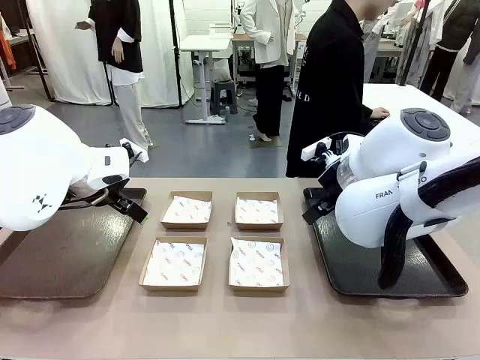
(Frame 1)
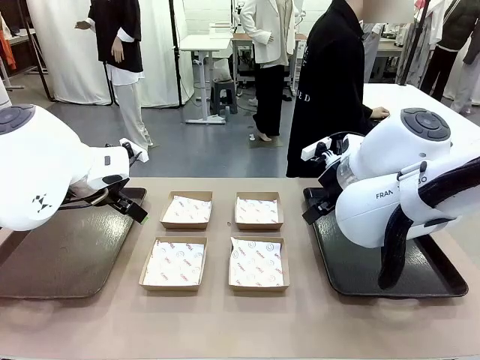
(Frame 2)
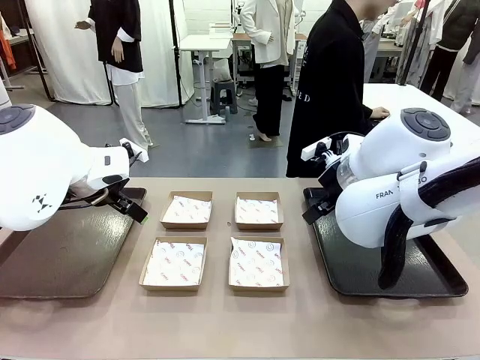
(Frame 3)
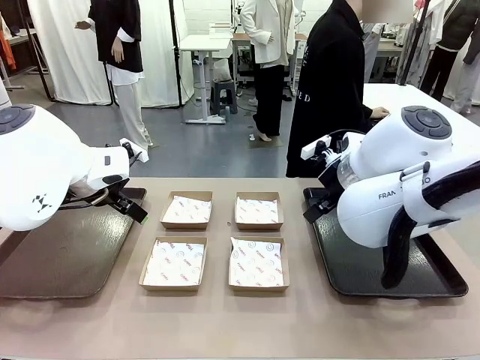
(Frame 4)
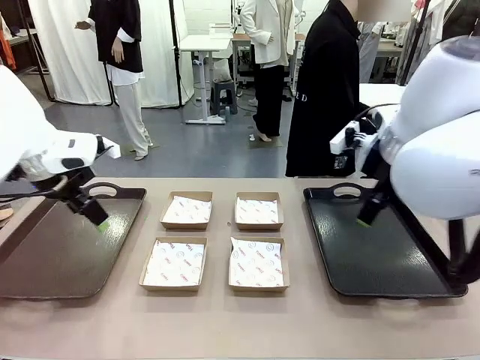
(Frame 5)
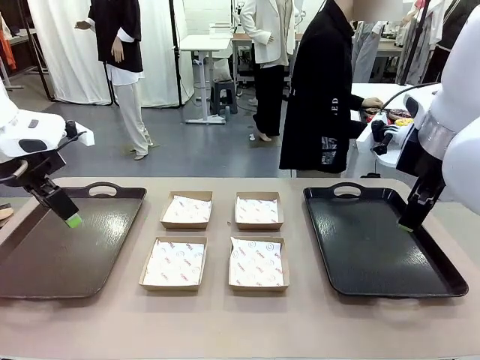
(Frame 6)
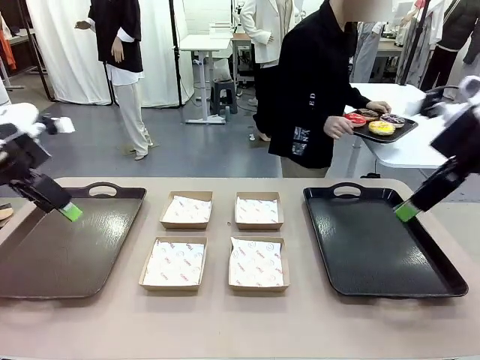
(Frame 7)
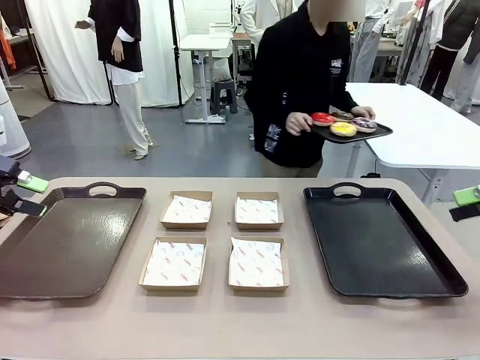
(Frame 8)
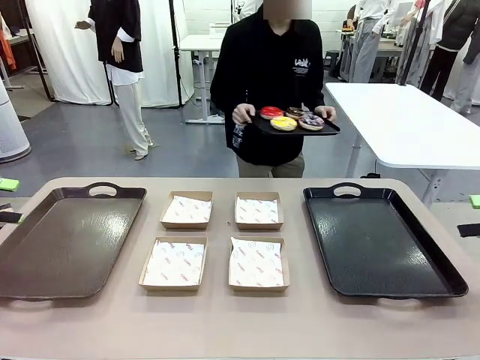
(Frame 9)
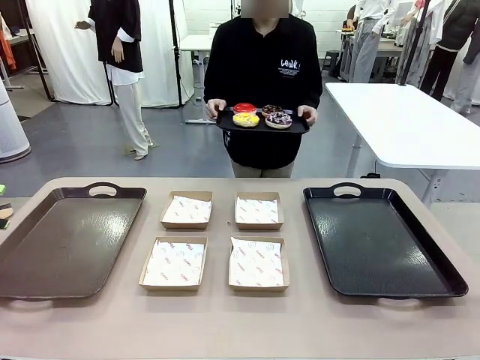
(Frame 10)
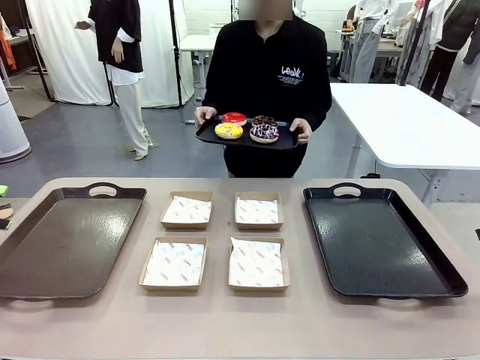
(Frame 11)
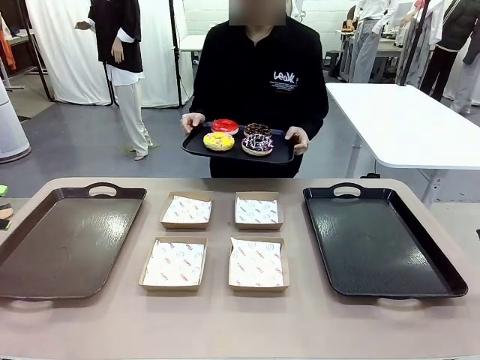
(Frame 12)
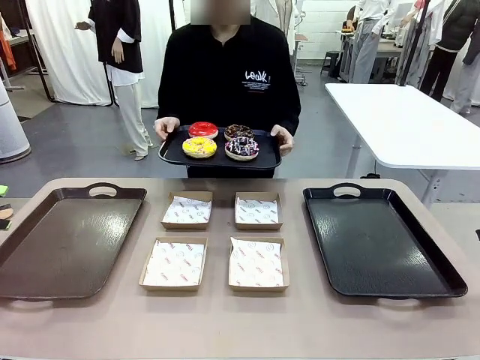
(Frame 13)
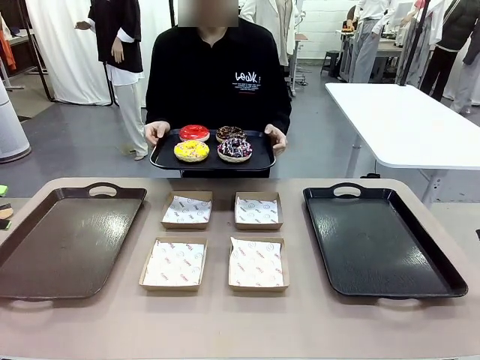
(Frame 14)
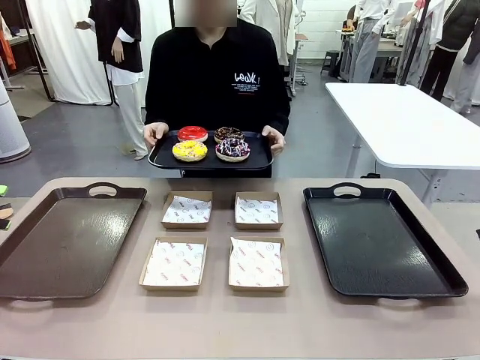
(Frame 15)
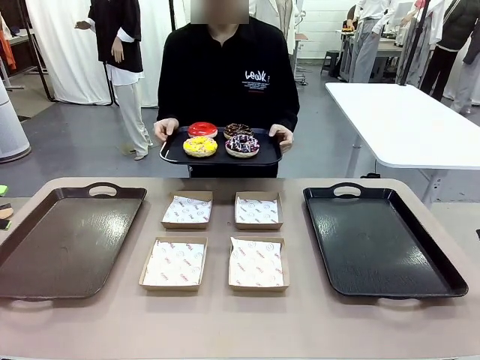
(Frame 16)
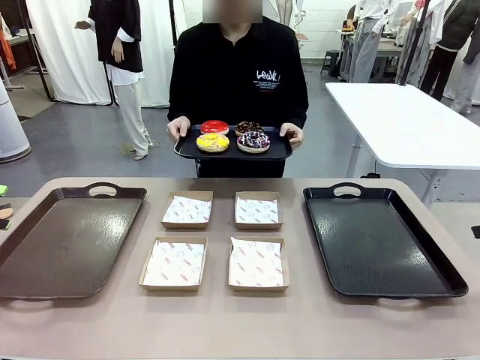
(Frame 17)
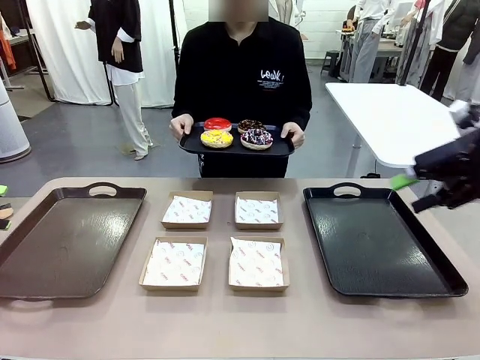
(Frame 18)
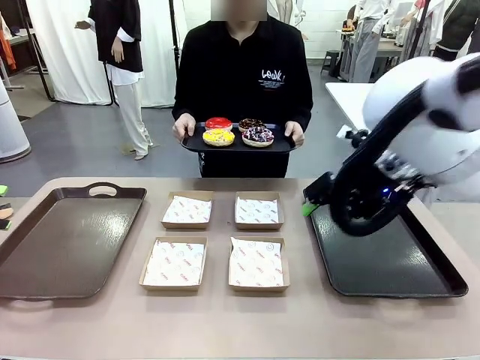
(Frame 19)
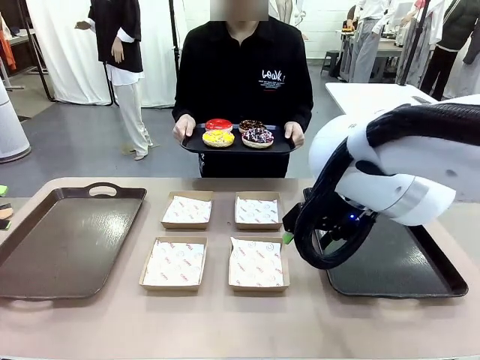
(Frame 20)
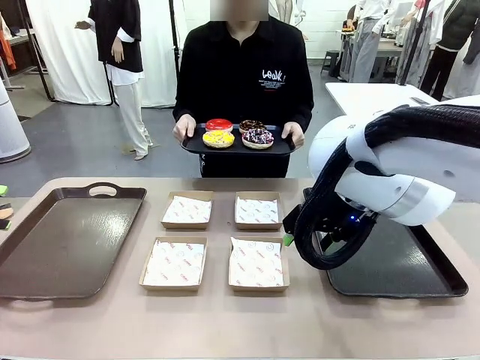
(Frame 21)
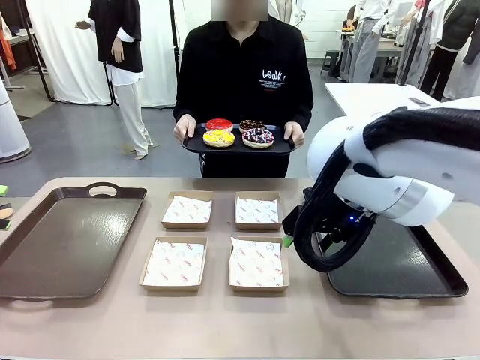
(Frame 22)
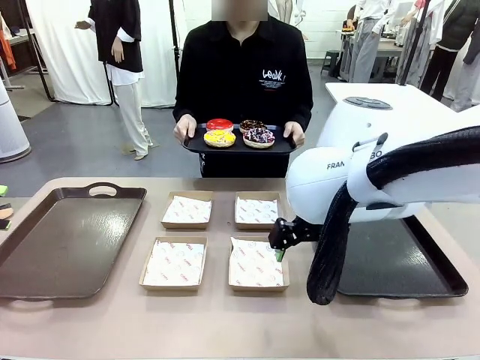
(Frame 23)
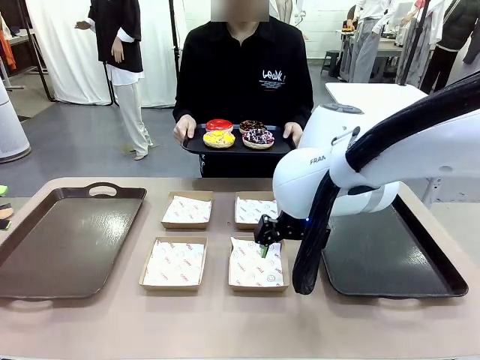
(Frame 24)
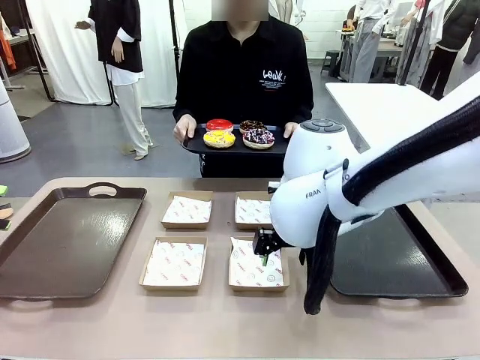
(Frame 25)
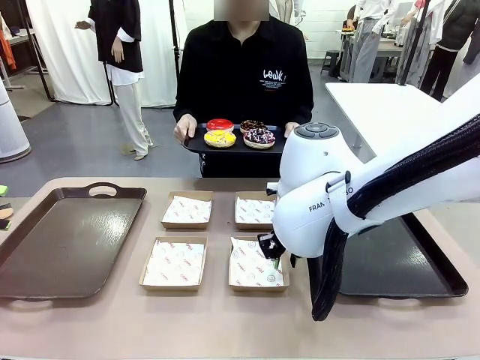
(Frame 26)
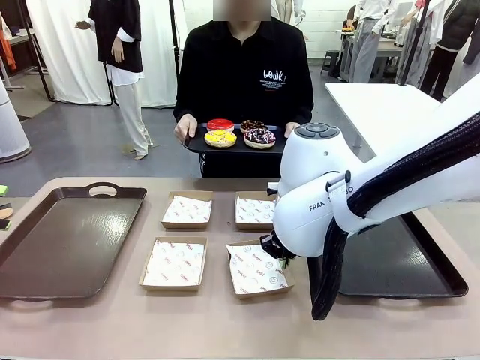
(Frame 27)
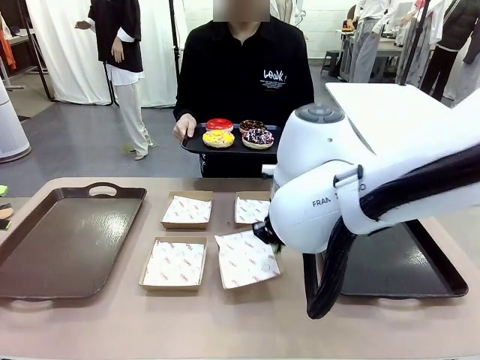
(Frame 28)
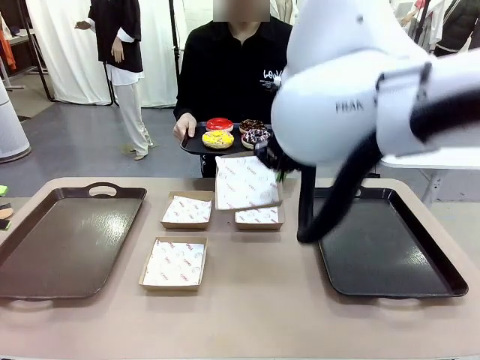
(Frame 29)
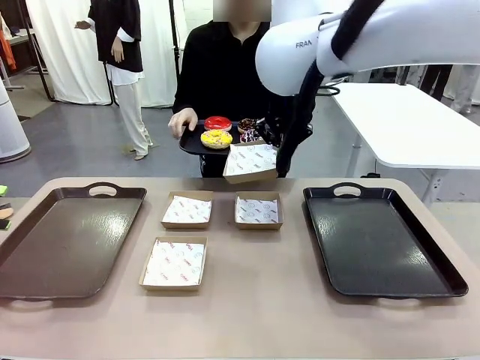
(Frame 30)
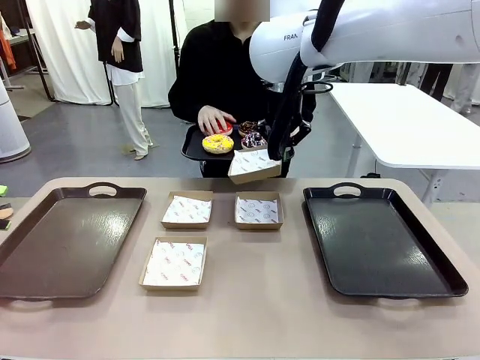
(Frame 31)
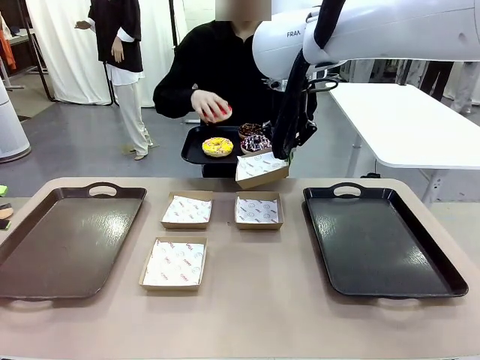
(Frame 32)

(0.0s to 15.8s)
Task: Individually package the donuts and arrange them on the tray.
Robot: Pick up one Paper togo box.
Person: Stand in front of the robot table holding the tray containing the donuts.

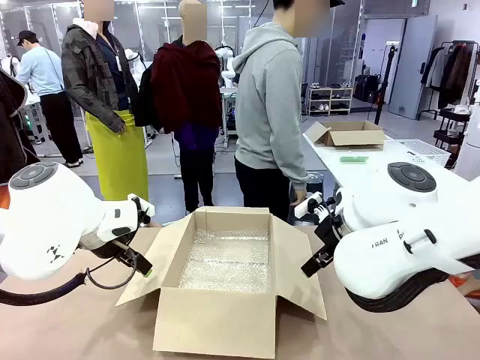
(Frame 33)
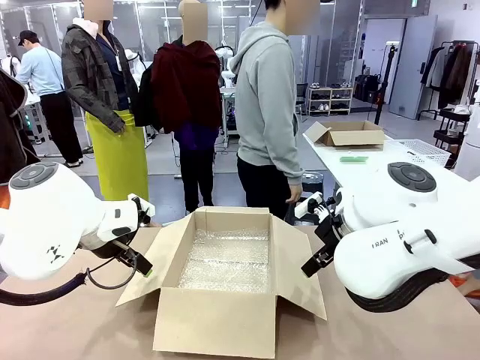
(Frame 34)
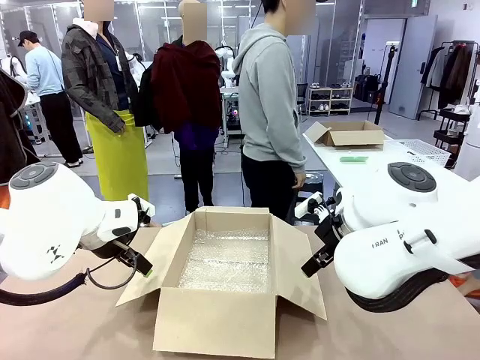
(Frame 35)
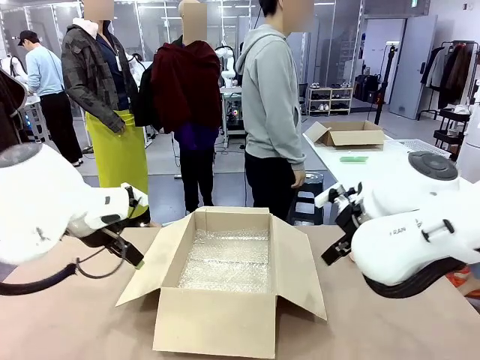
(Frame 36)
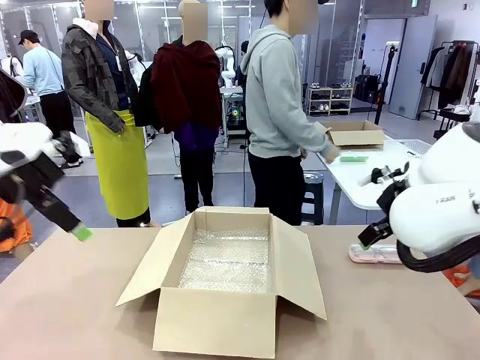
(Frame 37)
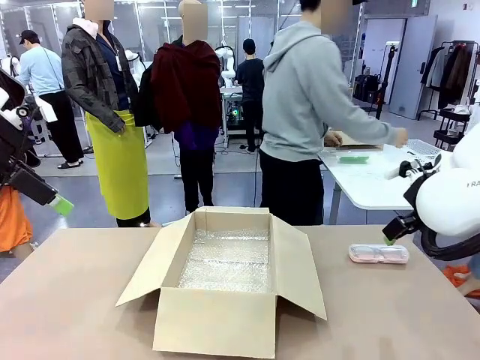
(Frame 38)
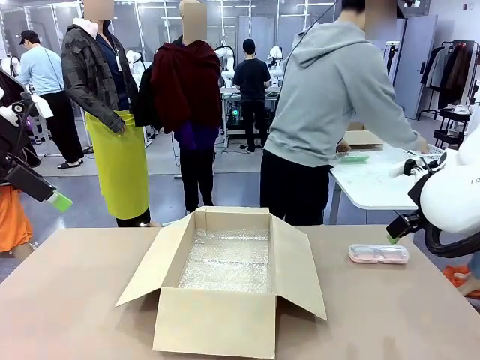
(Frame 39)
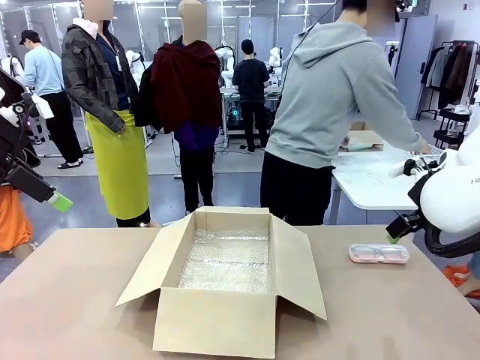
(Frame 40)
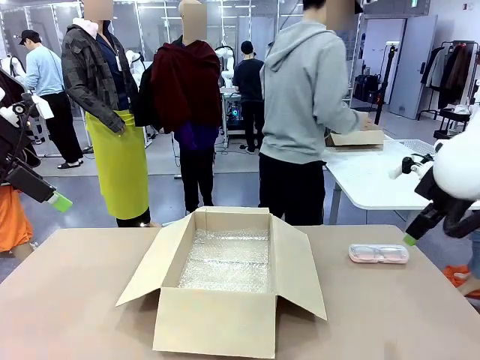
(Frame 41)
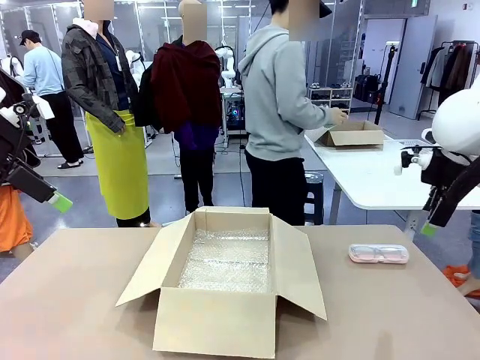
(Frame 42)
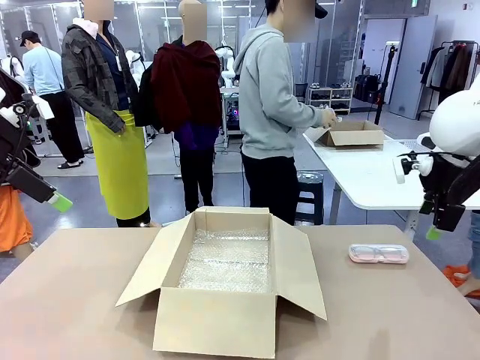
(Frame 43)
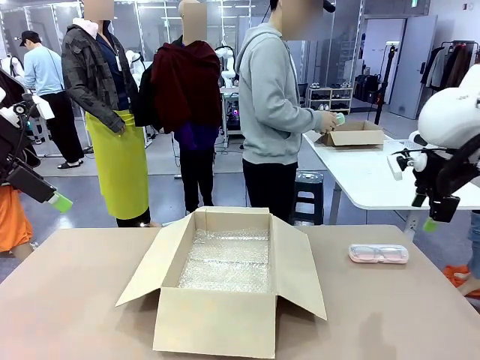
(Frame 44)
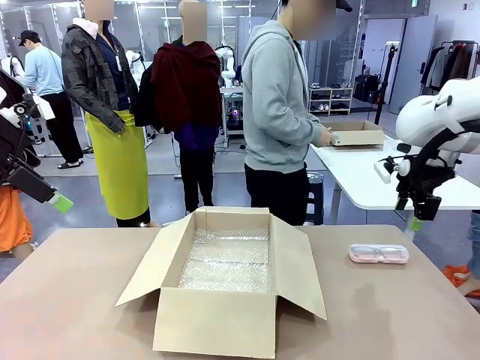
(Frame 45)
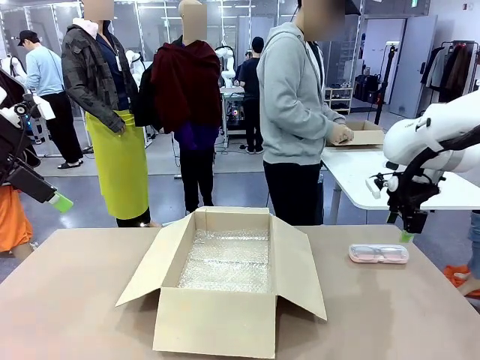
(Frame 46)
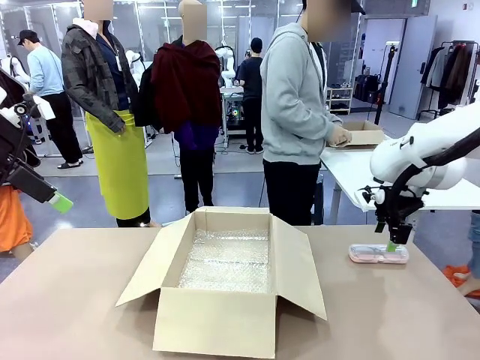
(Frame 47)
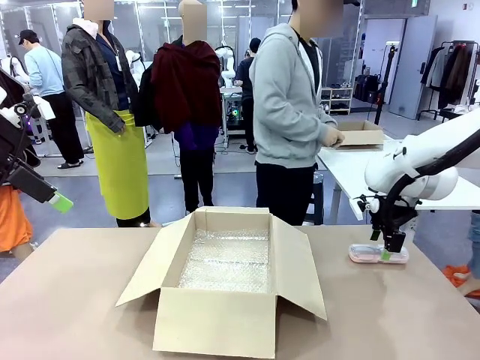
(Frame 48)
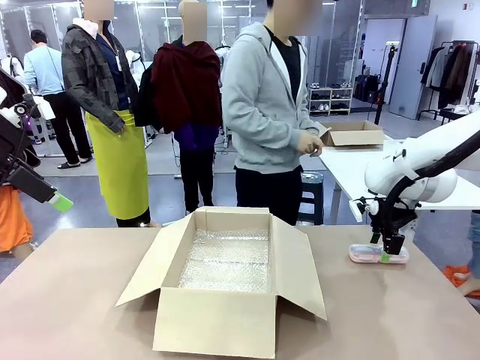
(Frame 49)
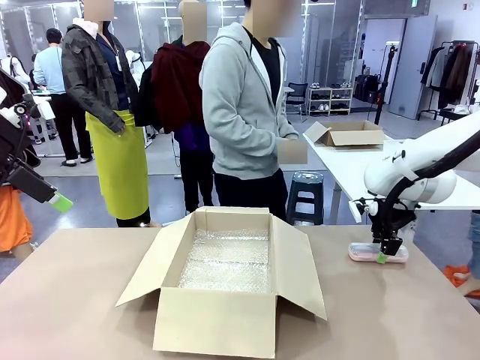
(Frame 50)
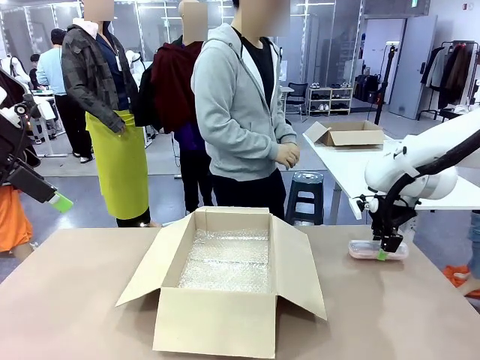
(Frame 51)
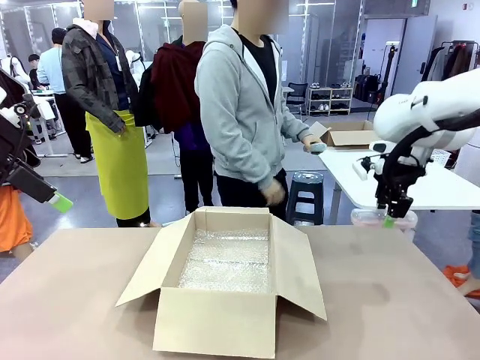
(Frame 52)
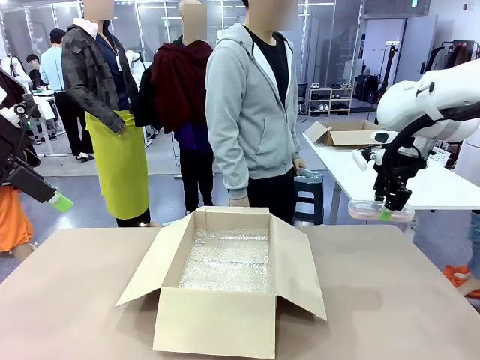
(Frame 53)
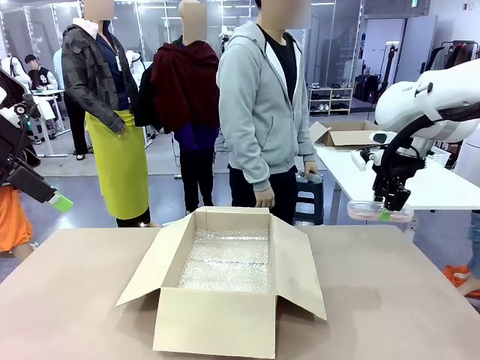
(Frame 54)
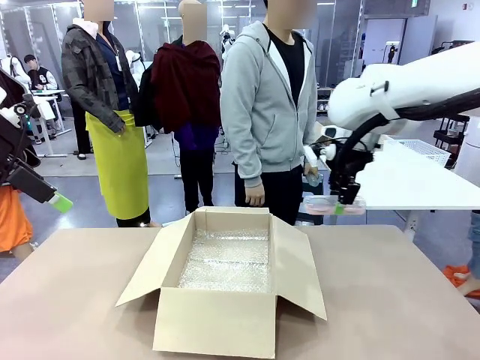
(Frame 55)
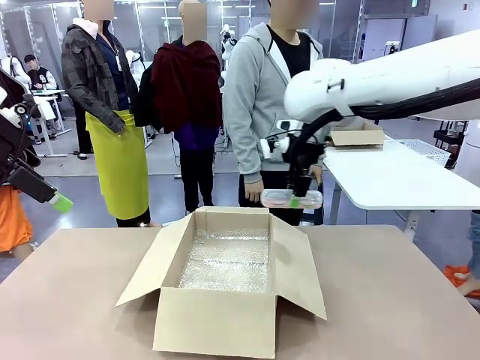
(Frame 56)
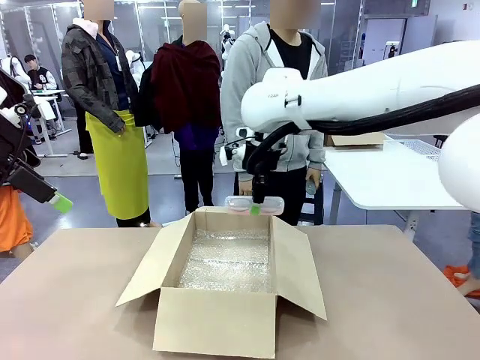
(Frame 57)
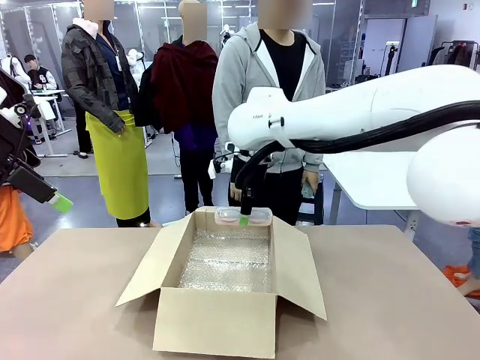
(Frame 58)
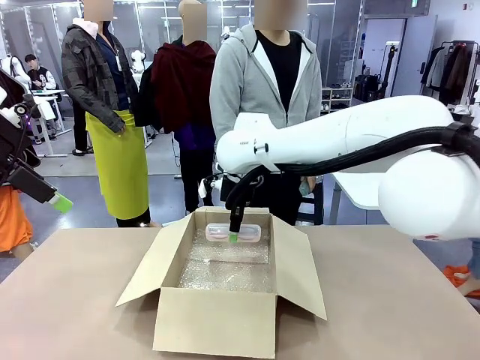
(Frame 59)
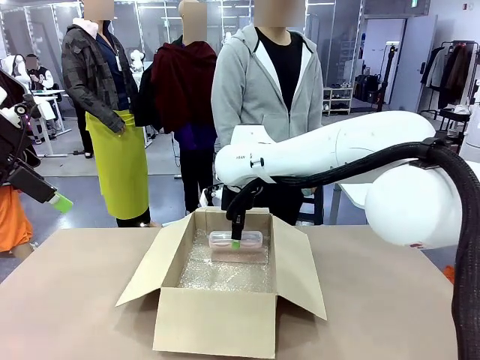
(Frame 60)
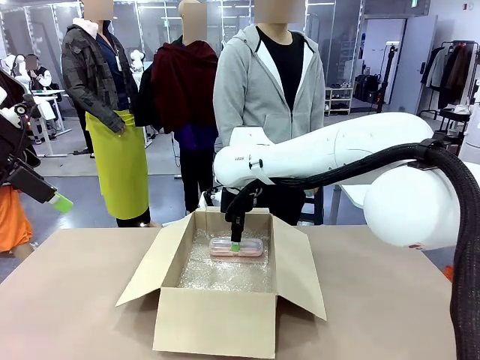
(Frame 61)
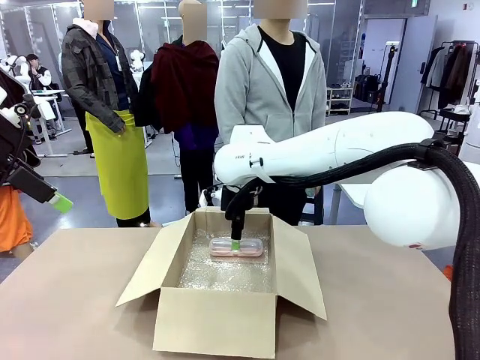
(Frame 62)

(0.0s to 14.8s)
Task: Pack the glasses set securely to prepare it for shipping.
Robot: Place the Glasses case inside the Package Box.
Person: Place the Glasses inside the Glasses case.
